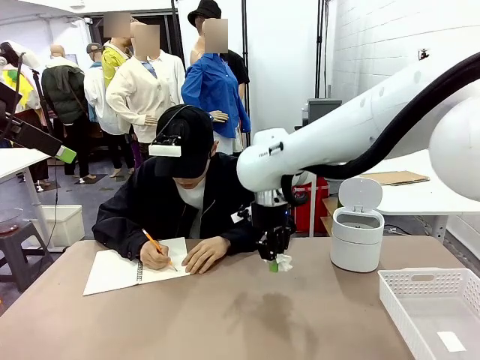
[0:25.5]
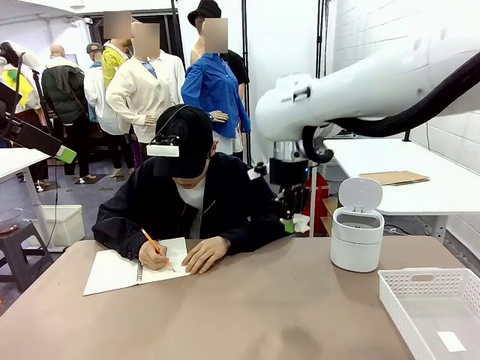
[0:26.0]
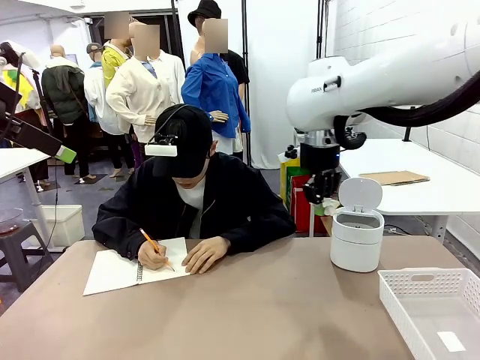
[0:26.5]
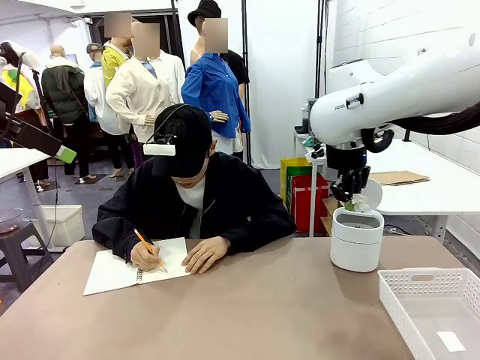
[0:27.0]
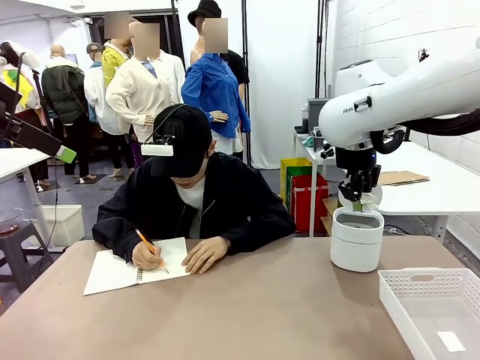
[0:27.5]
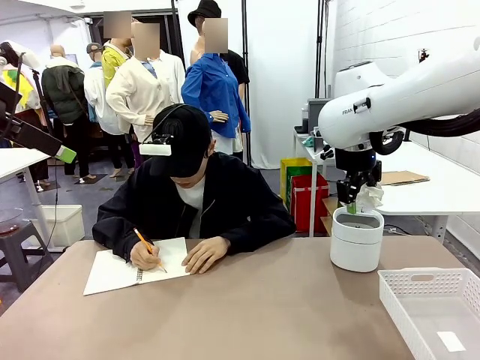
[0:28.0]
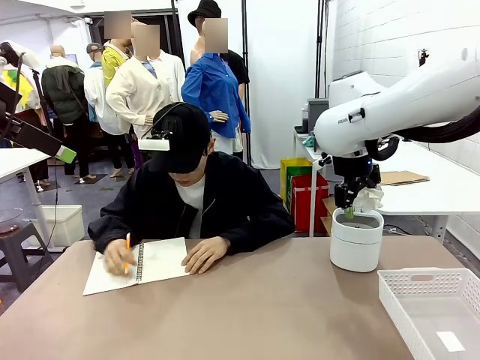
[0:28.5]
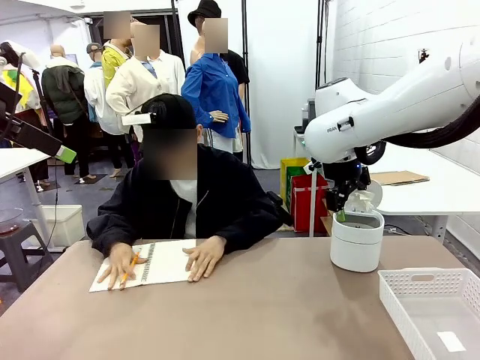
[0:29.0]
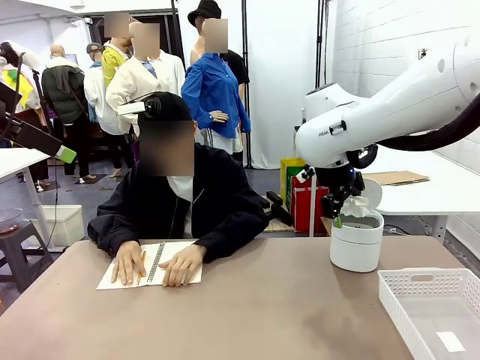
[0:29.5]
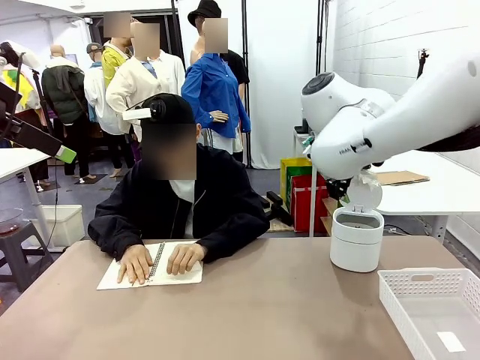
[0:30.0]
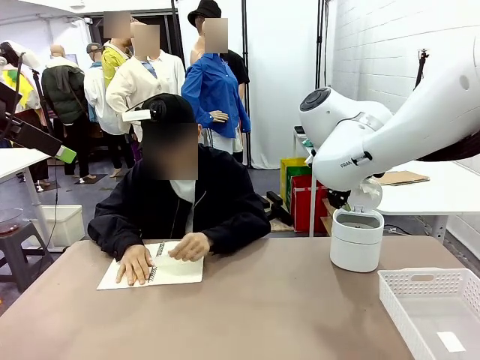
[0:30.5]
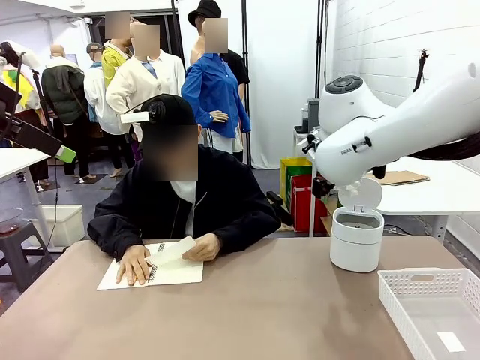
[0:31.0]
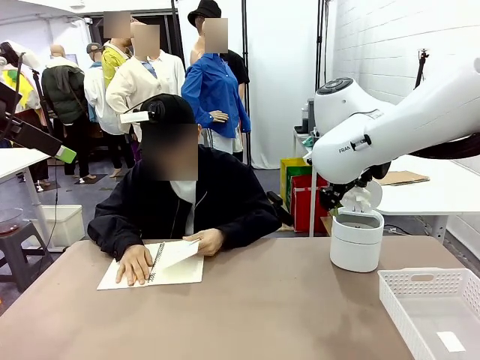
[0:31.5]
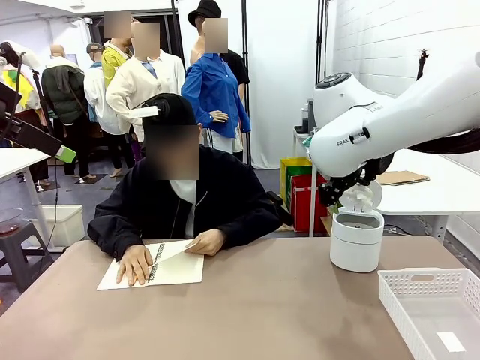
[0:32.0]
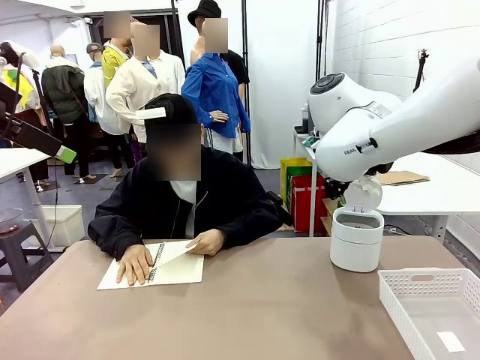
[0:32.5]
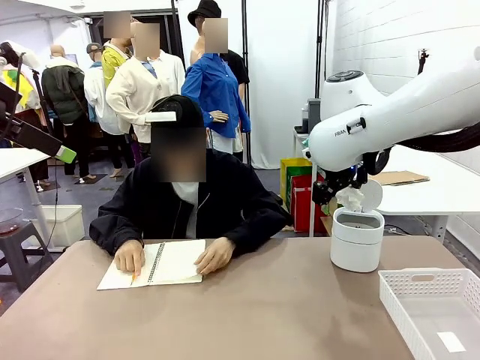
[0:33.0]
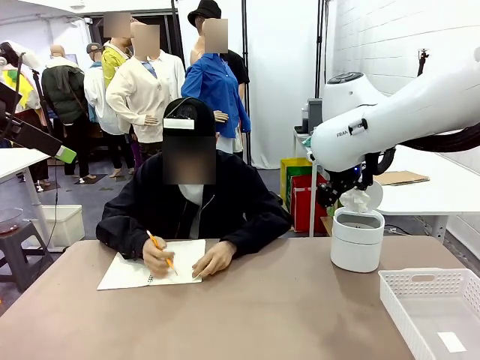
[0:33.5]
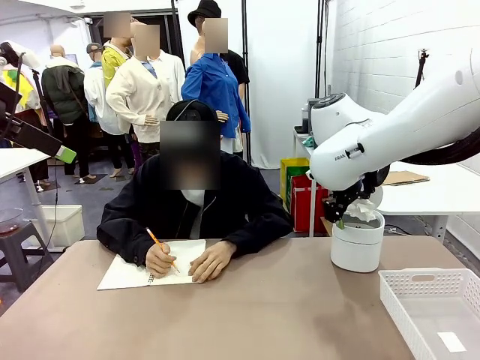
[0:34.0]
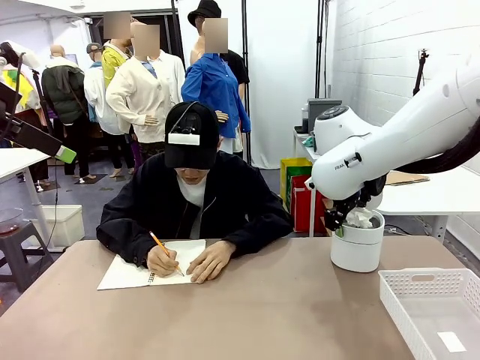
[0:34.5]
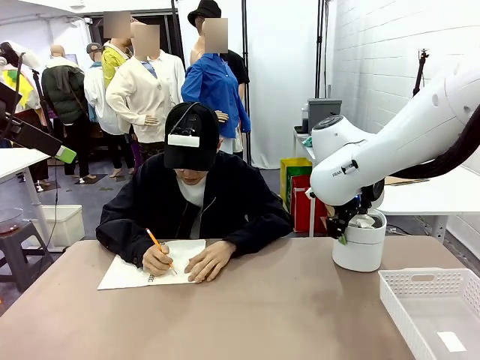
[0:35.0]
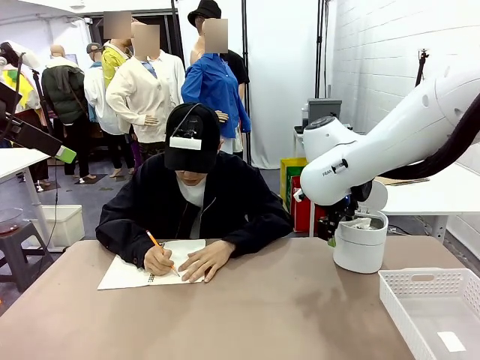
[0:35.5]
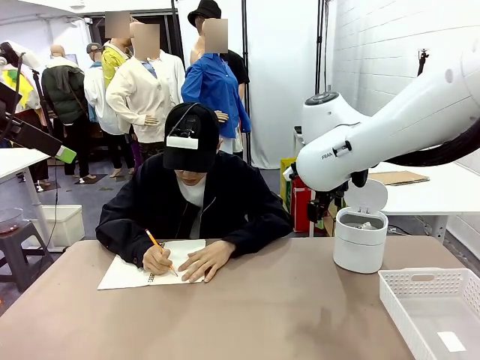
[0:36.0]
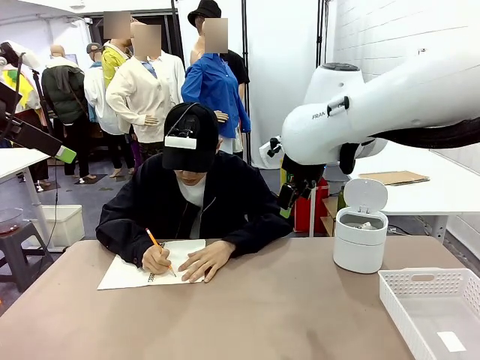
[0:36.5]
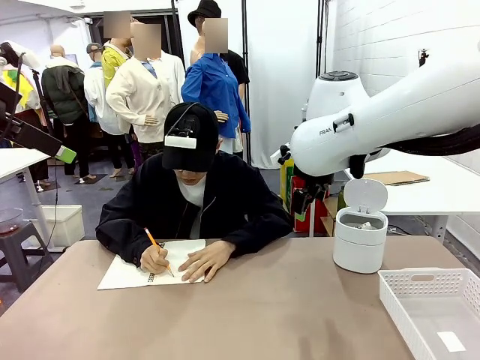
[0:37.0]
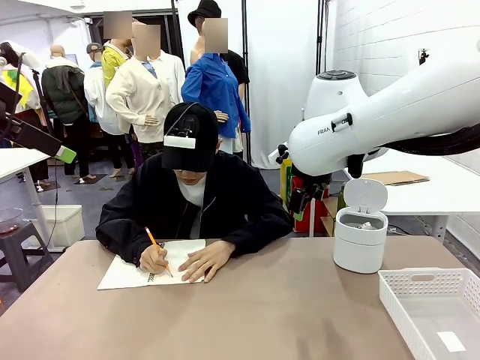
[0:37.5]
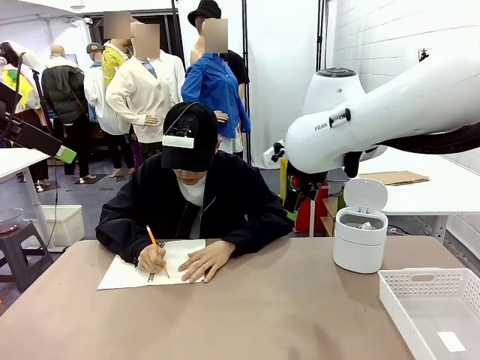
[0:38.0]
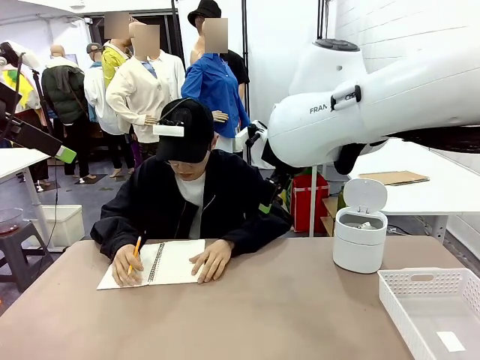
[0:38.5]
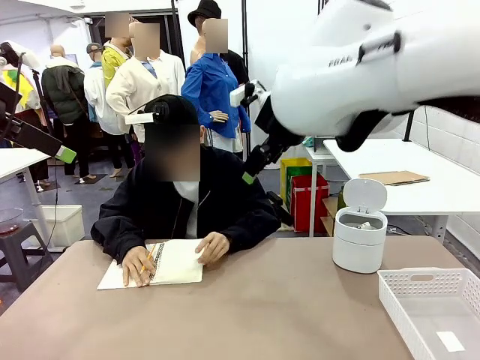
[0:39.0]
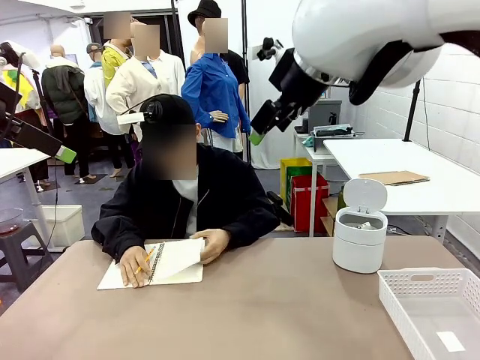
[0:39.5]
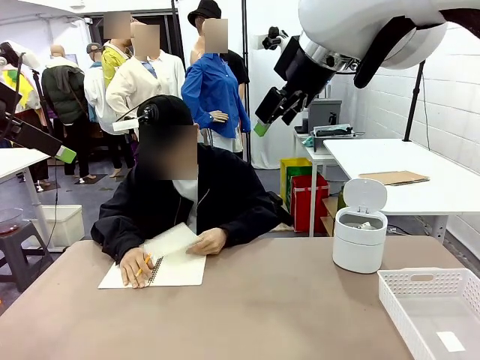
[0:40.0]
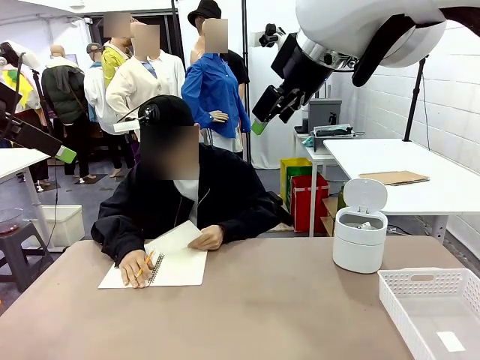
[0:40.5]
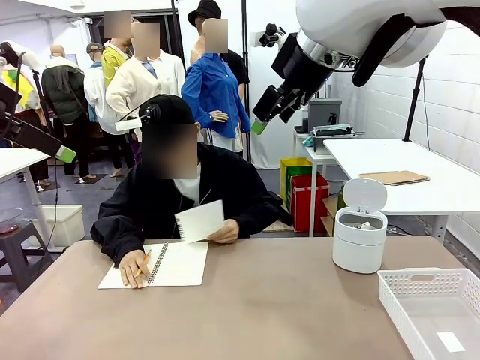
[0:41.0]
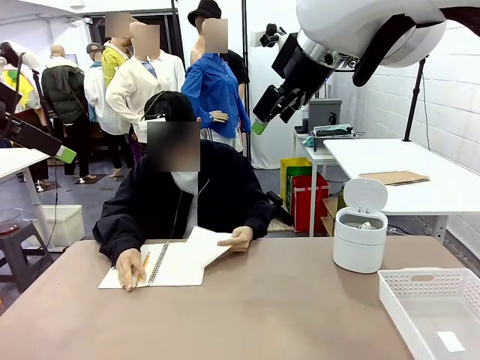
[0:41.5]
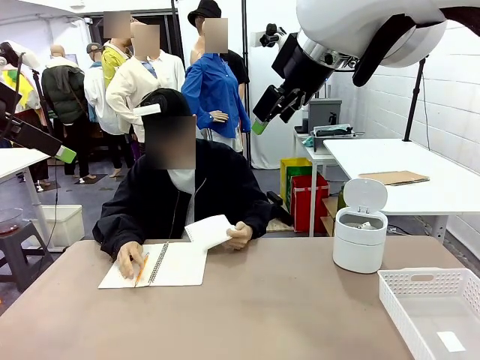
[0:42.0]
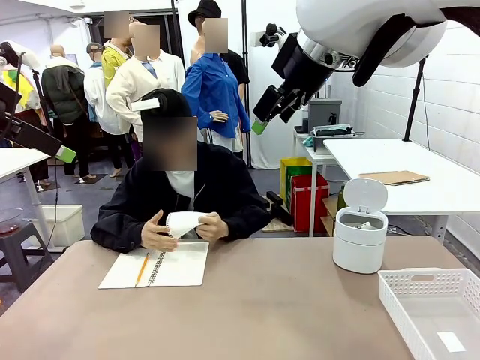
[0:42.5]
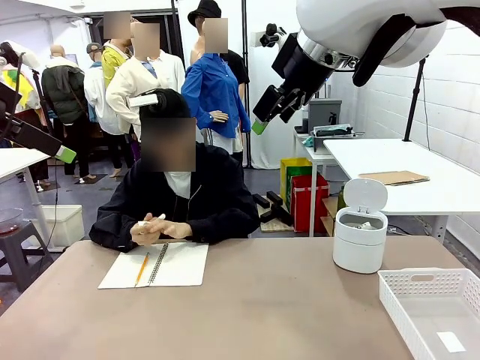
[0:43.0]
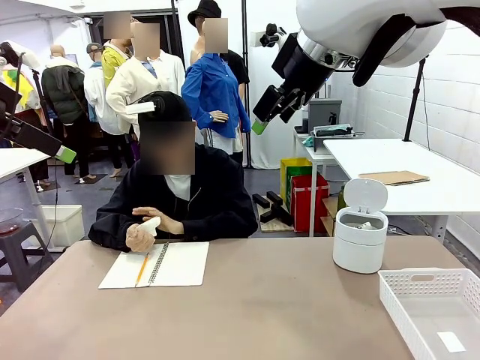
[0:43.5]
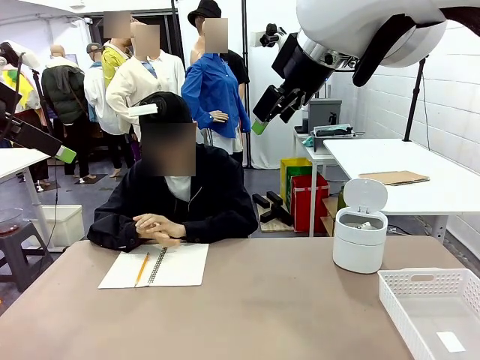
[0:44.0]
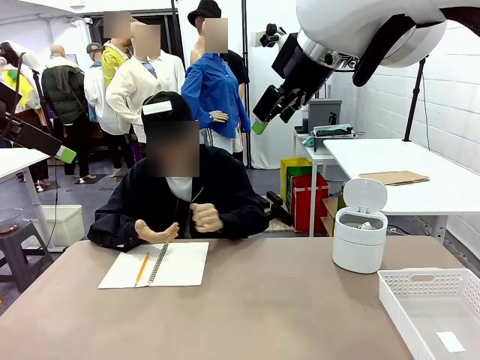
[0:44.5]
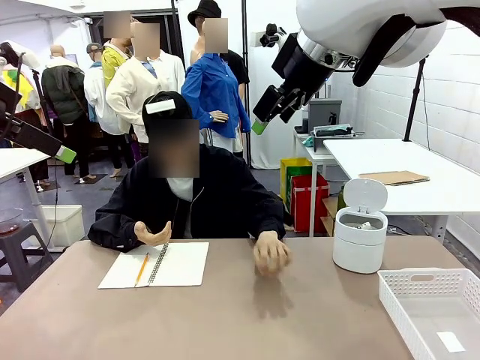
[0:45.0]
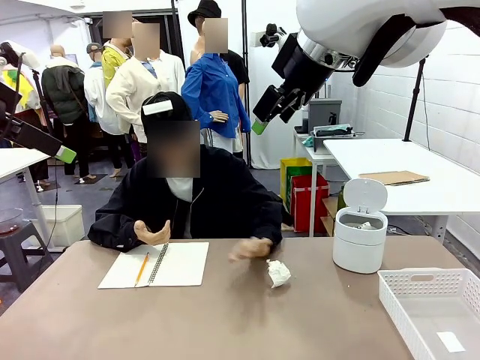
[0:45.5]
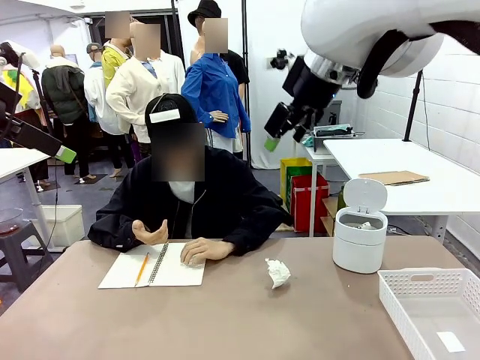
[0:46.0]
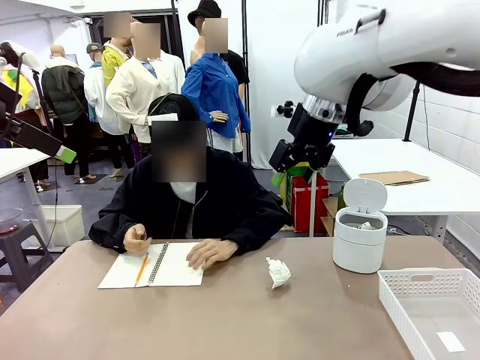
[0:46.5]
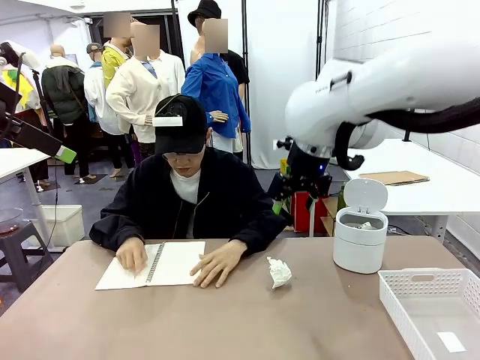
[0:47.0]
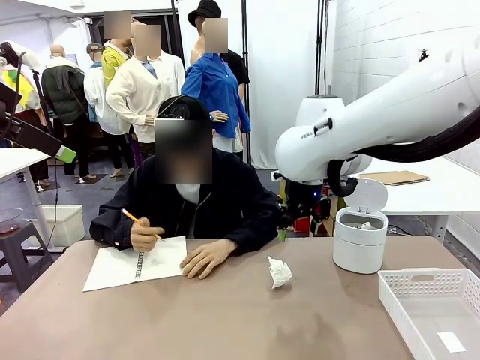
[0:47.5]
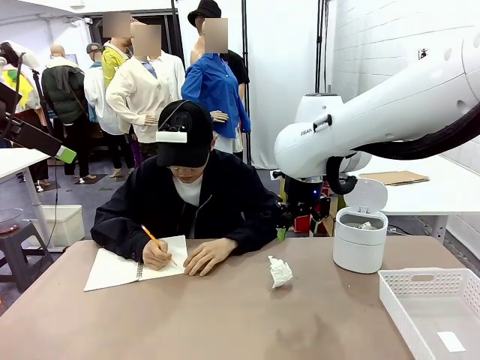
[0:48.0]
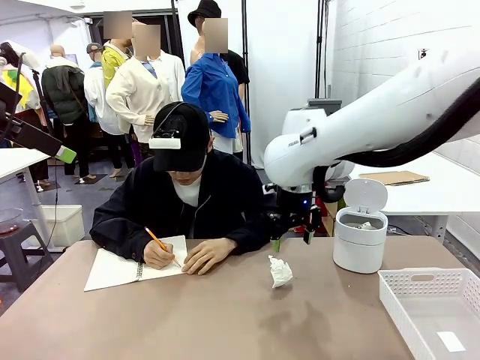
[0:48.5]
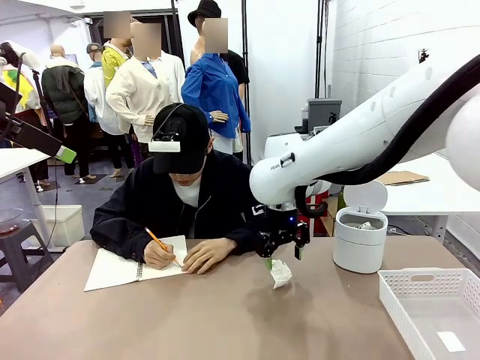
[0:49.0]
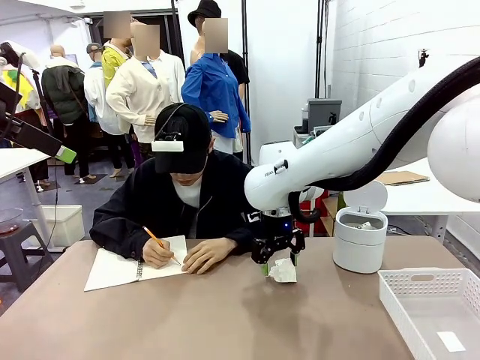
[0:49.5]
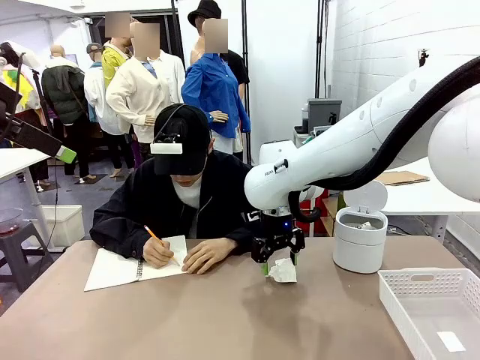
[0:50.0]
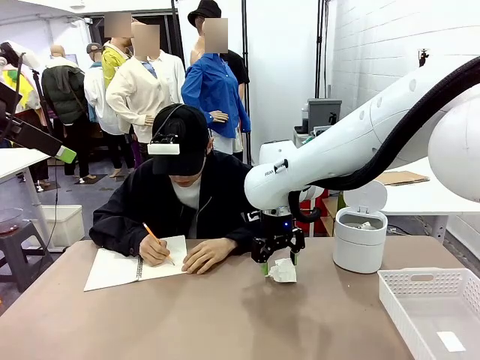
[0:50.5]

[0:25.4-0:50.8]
Task: Sort the paper based on its condition.
Robot: If a person hands you a paper, place it in the Organizing basket , and if it's crumpled, put it in the Trash can.
Person: Tear out a page from the spiral notebook. Hand the torn page to the robot or crumple it and throw it to the center of the table.
